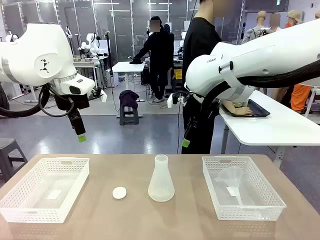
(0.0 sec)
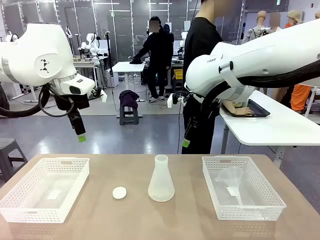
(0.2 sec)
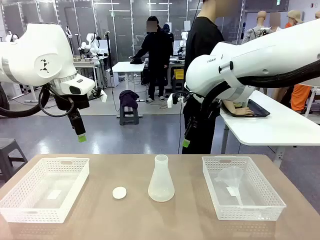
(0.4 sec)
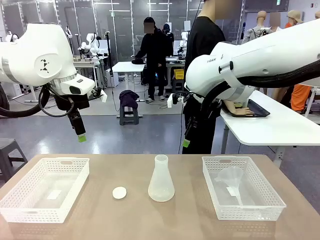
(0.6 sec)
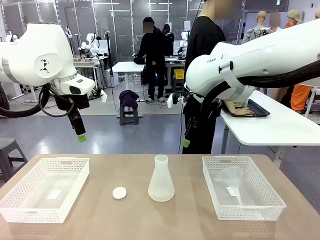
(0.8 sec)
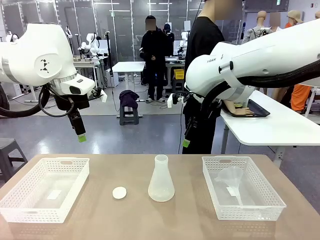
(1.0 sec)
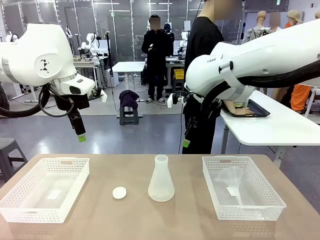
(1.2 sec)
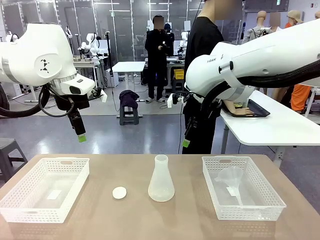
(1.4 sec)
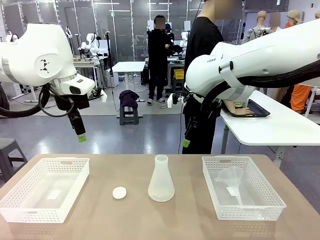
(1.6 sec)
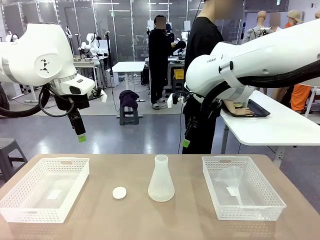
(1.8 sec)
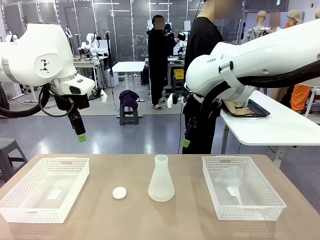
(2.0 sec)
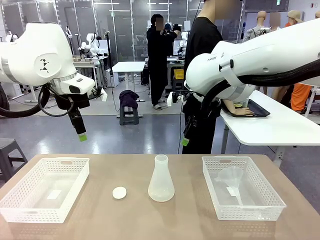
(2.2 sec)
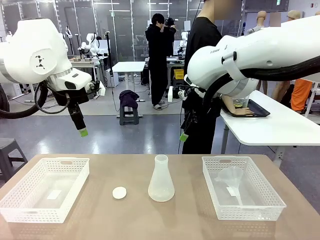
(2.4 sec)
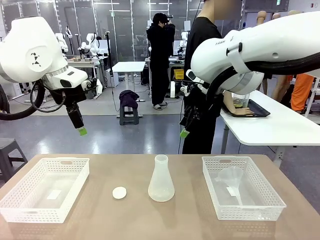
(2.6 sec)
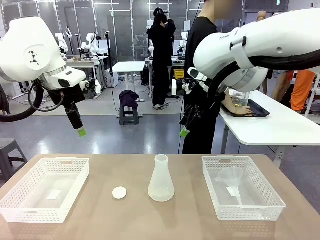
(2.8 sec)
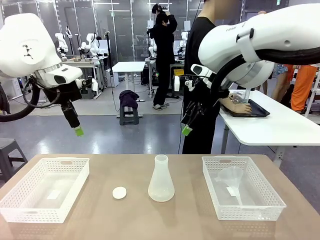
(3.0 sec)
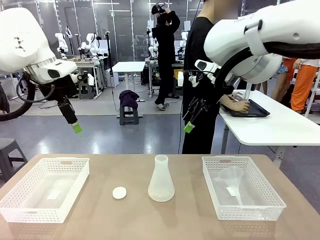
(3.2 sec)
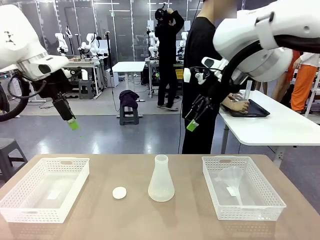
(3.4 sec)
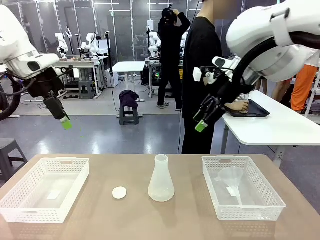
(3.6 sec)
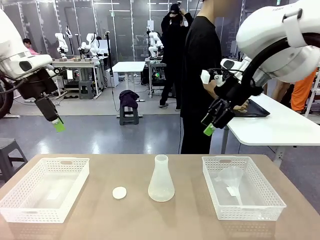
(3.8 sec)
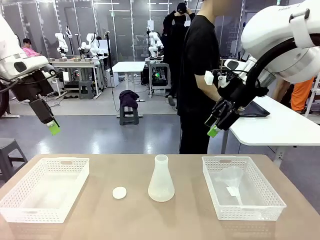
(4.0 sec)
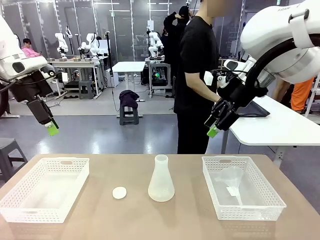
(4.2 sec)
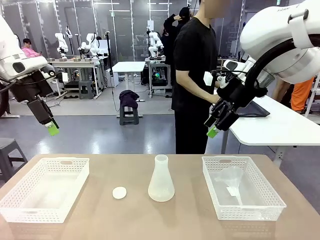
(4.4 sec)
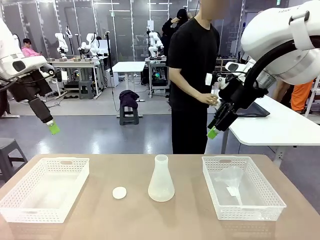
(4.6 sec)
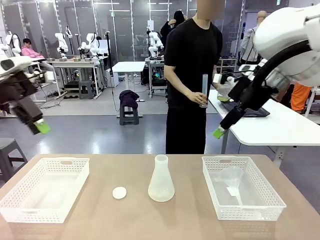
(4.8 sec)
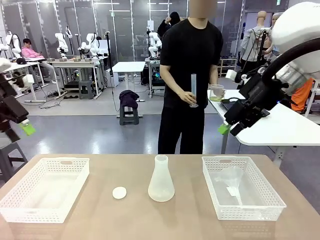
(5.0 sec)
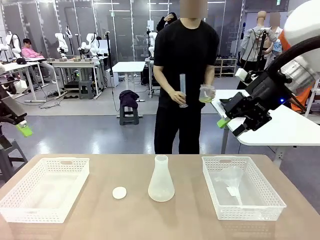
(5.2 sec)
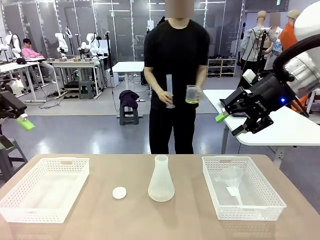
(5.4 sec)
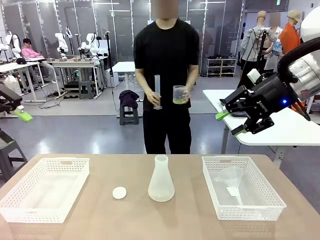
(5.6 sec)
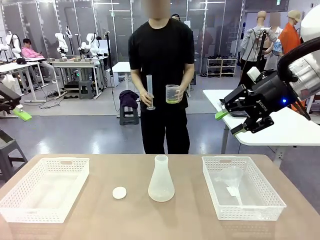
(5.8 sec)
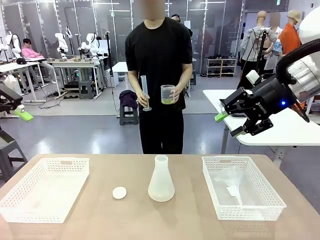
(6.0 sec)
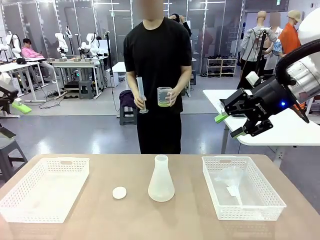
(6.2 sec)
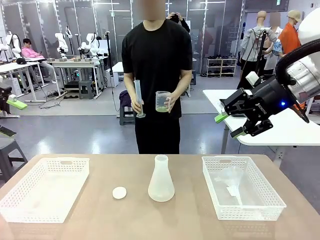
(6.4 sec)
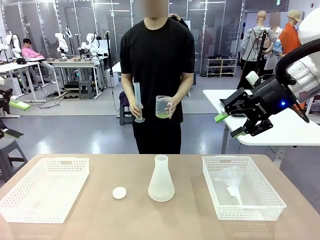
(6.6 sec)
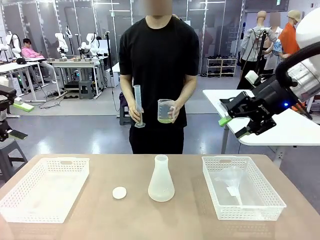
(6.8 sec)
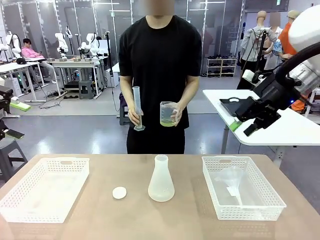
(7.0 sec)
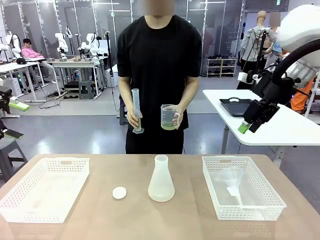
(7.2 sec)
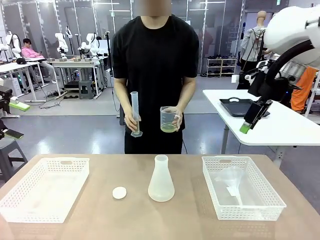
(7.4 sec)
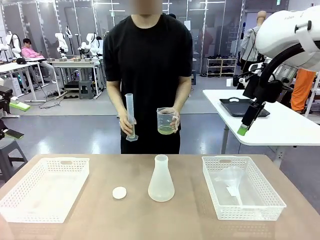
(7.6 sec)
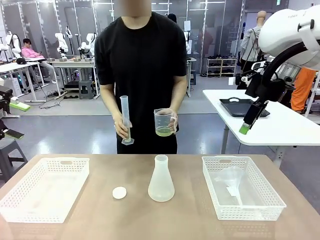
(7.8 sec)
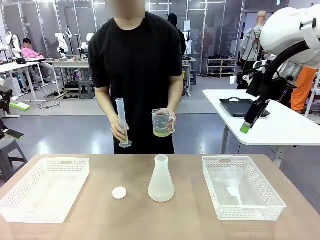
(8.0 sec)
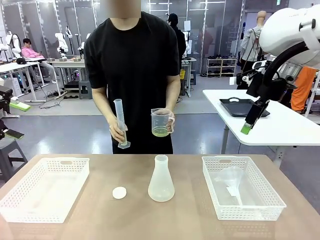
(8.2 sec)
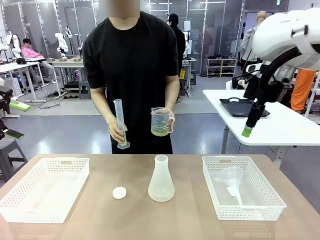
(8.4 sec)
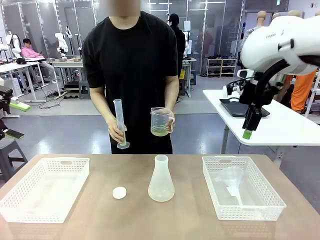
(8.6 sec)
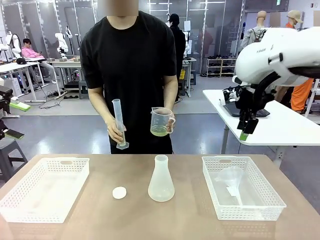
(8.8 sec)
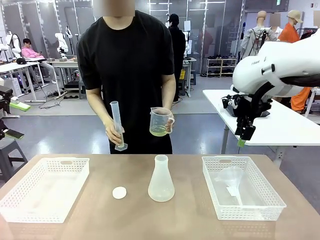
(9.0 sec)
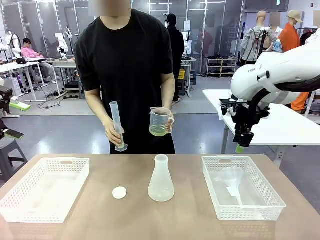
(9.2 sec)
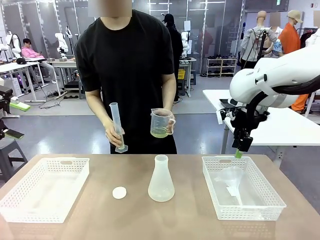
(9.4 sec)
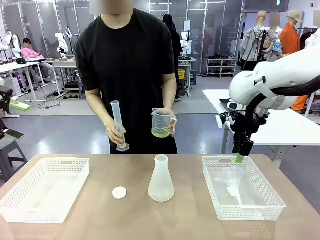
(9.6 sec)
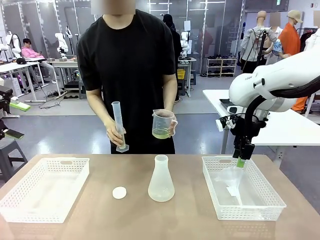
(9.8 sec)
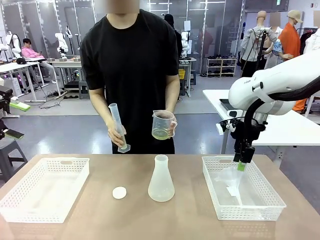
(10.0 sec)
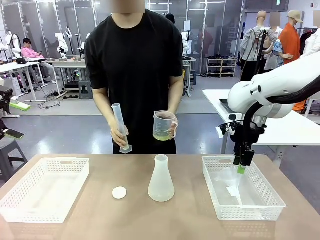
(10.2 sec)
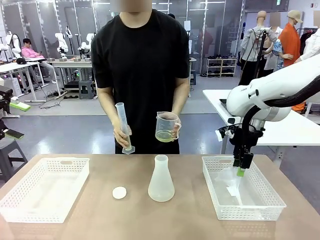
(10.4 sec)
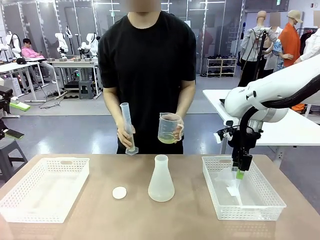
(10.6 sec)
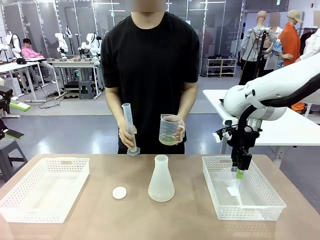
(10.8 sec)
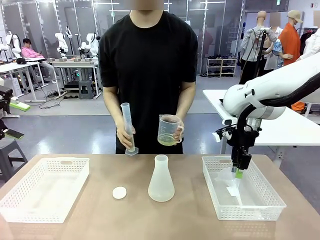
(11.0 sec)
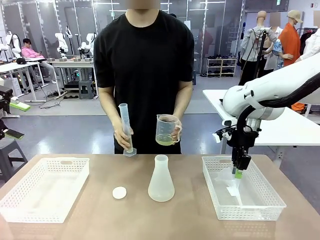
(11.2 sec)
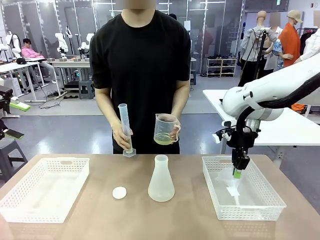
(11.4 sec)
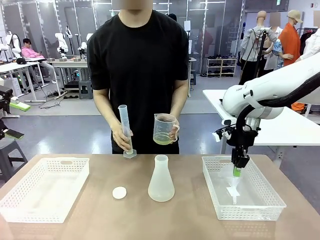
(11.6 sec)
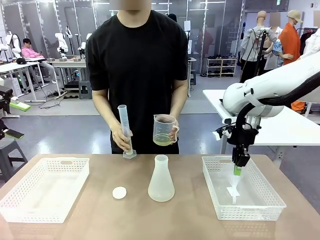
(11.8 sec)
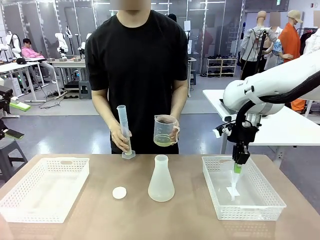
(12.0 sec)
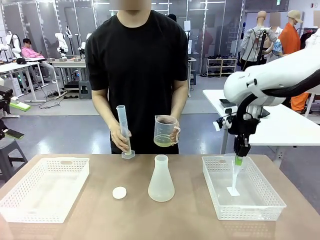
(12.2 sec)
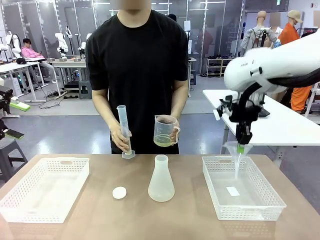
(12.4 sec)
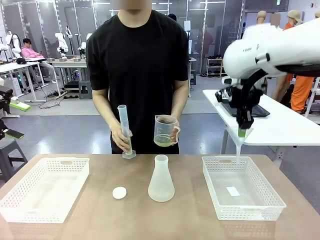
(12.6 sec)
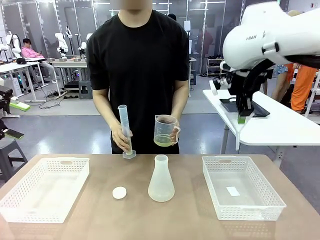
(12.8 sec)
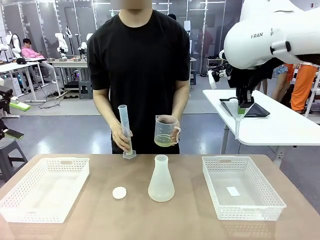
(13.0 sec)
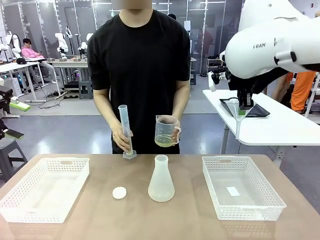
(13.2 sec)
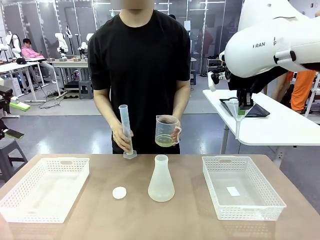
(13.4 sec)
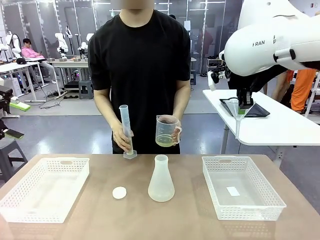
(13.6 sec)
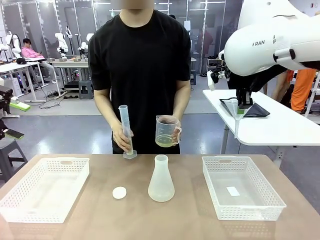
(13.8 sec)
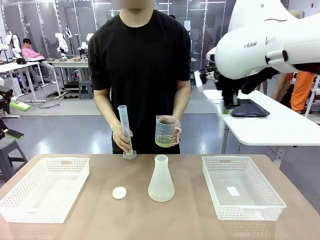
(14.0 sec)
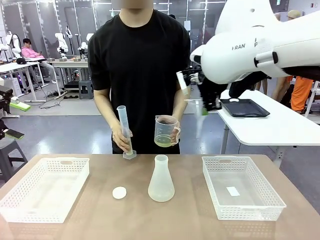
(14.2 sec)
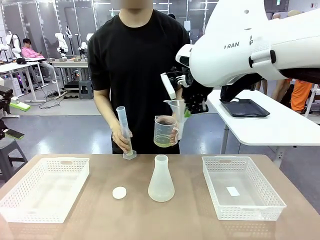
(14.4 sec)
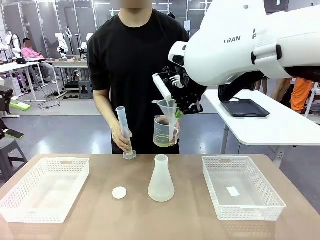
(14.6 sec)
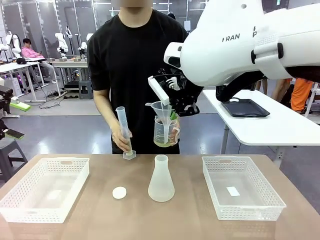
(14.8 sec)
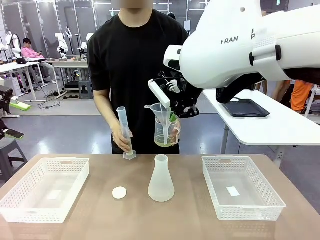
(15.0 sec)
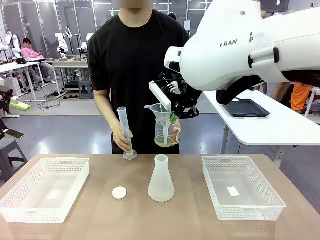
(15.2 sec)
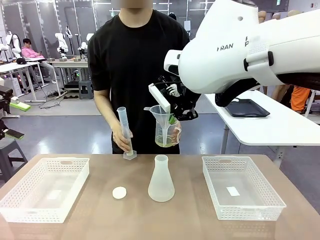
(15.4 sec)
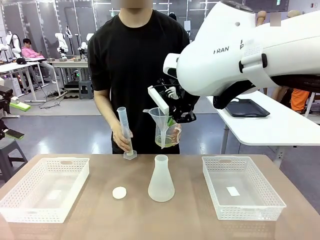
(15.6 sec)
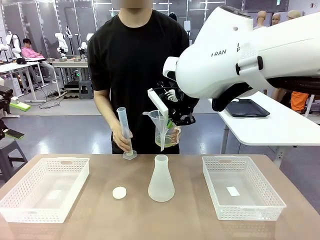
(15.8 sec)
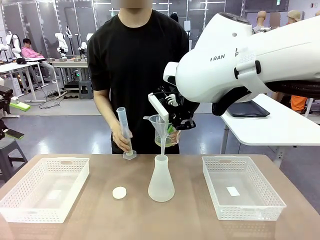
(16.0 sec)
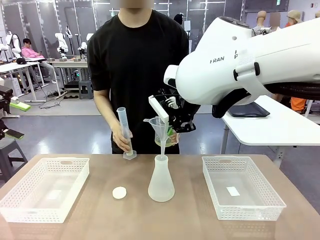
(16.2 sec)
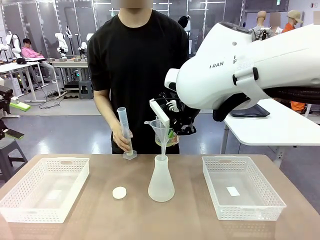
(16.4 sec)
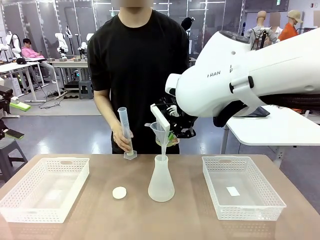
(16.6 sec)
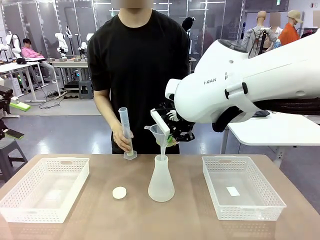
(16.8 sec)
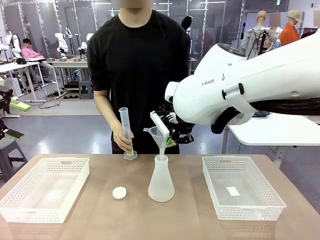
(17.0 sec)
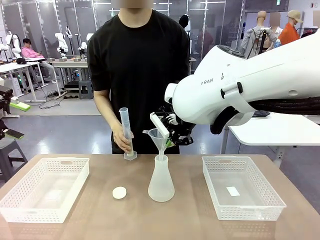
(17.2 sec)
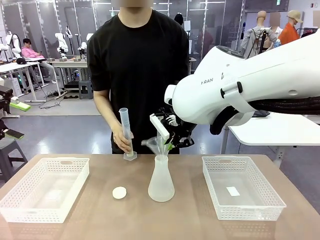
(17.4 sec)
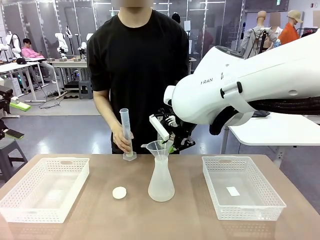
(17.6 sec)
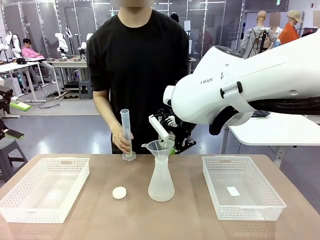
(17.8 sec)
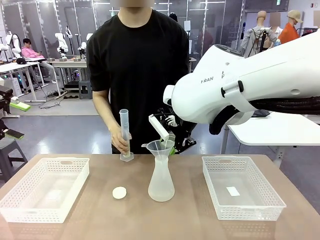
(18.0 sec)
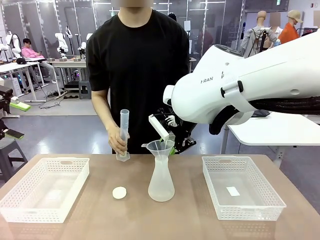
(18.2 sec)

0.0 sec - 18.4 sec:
Task: Prepare the solutions needed for the experiment.
Robot: Pick up the Plastic Funnel and insert it into the Big flask.
Person: Pick up the beaker and the cylinder and move to the middle of the robot table. Pour the solution from the beaker and the cylinder into the flask.
